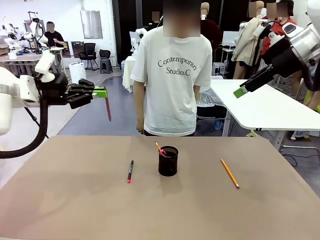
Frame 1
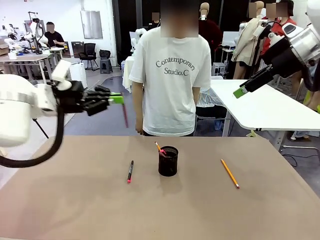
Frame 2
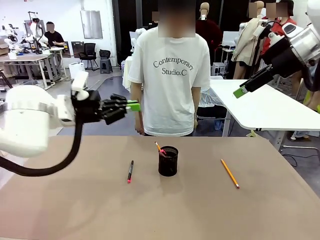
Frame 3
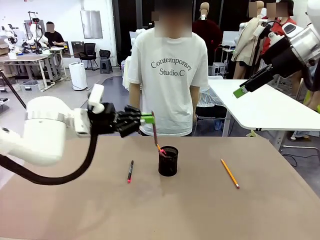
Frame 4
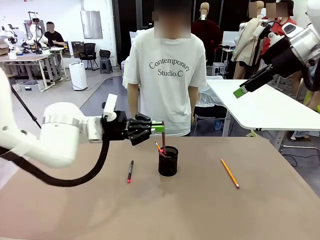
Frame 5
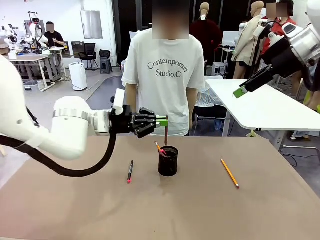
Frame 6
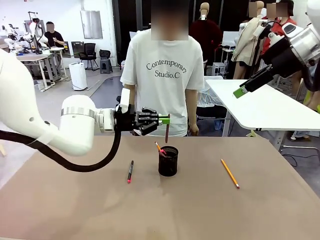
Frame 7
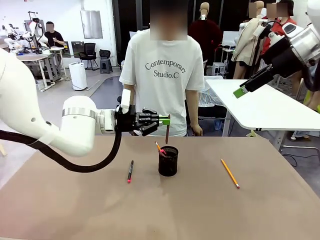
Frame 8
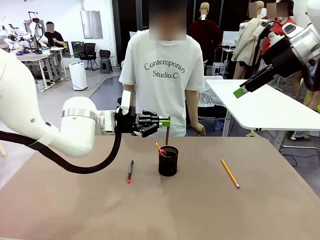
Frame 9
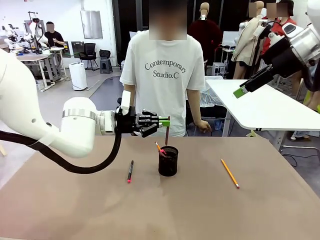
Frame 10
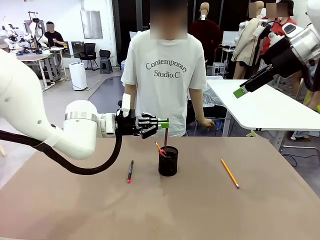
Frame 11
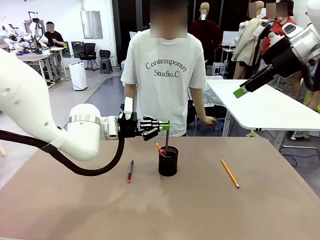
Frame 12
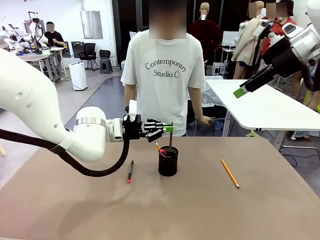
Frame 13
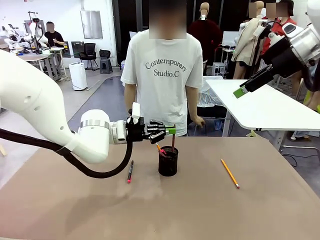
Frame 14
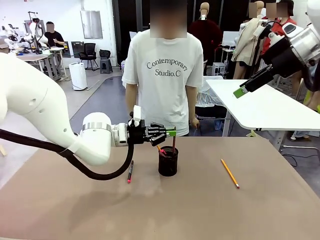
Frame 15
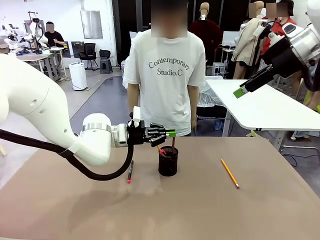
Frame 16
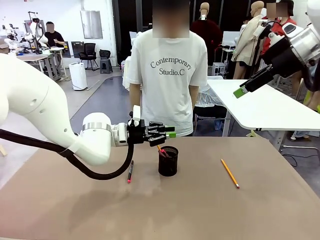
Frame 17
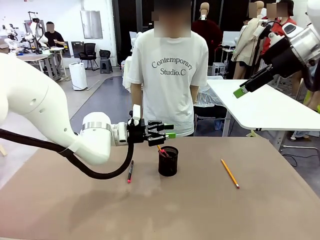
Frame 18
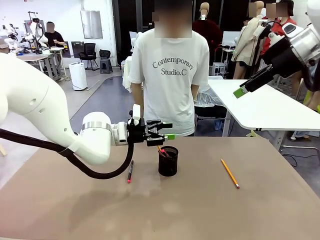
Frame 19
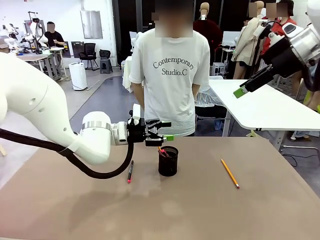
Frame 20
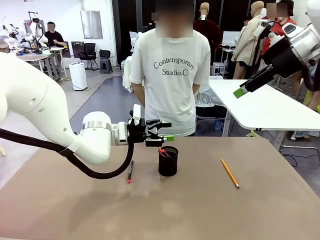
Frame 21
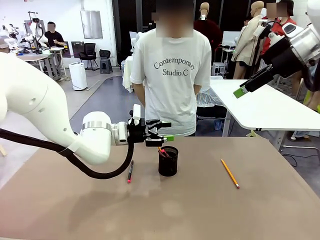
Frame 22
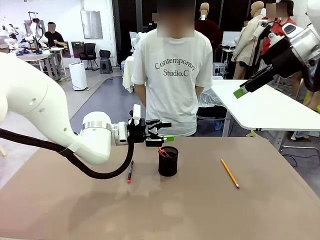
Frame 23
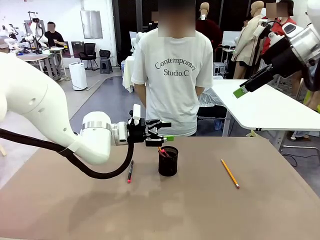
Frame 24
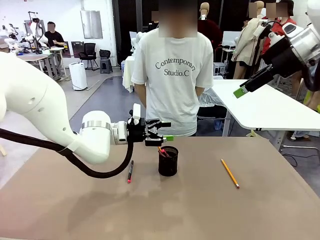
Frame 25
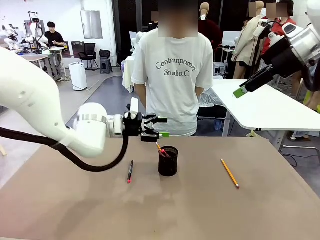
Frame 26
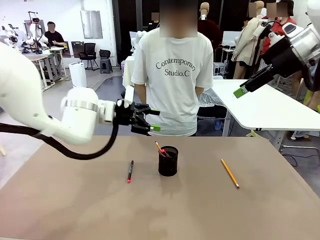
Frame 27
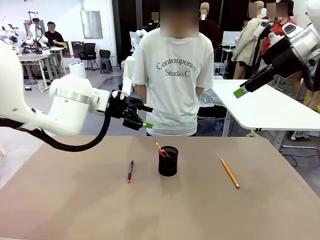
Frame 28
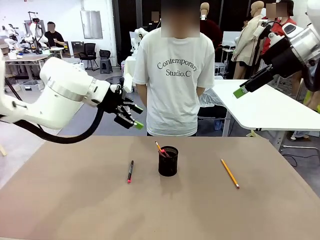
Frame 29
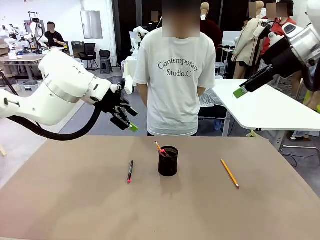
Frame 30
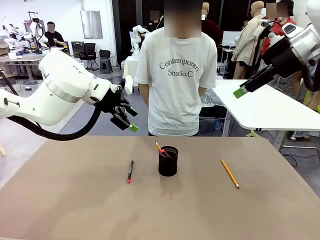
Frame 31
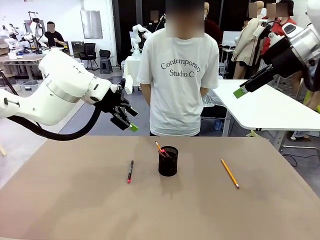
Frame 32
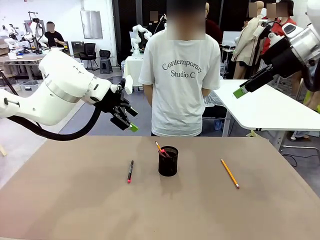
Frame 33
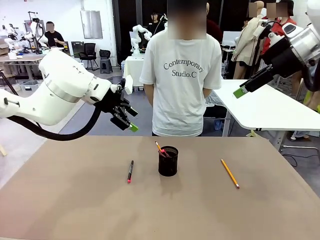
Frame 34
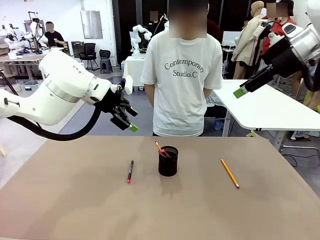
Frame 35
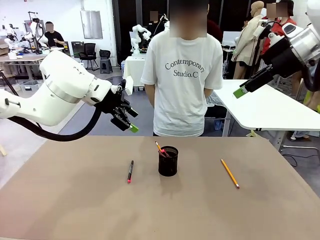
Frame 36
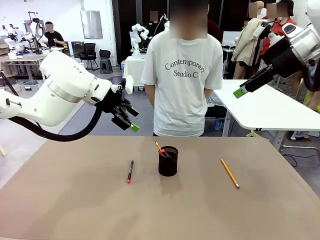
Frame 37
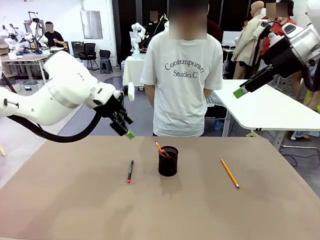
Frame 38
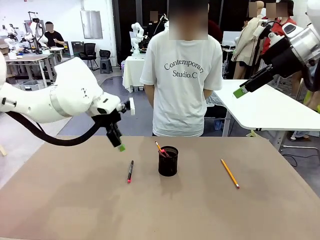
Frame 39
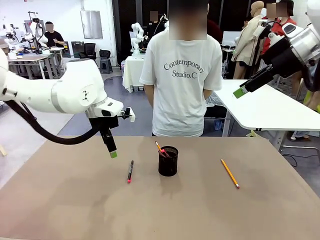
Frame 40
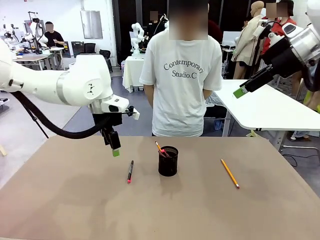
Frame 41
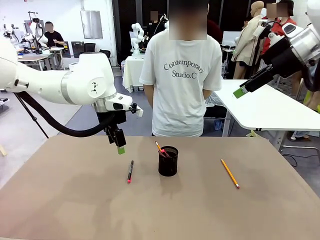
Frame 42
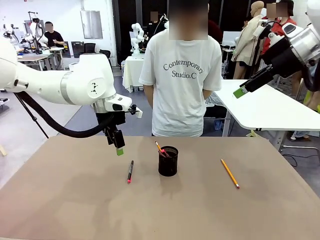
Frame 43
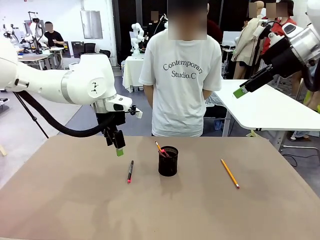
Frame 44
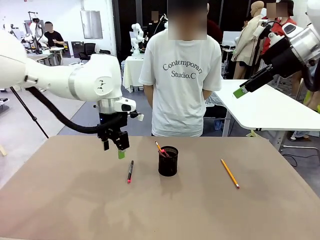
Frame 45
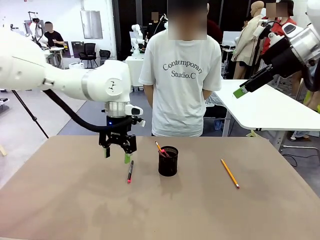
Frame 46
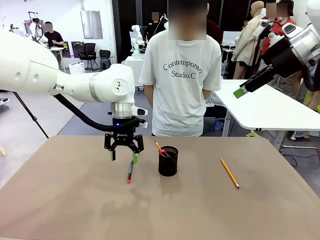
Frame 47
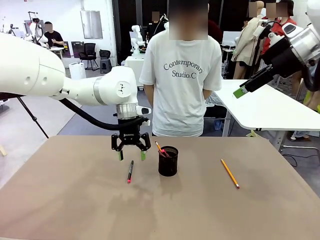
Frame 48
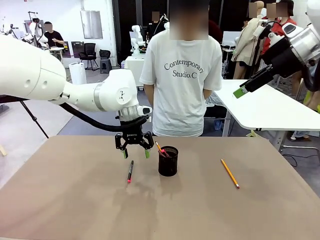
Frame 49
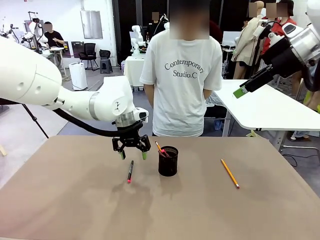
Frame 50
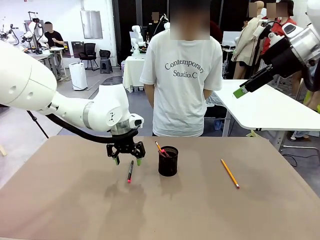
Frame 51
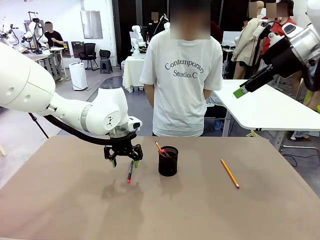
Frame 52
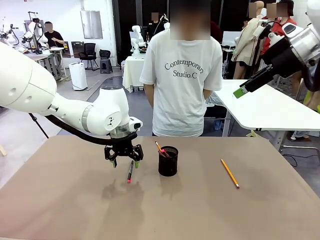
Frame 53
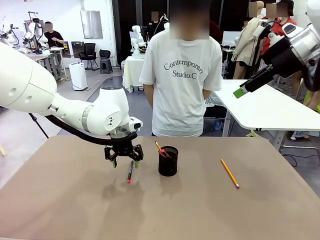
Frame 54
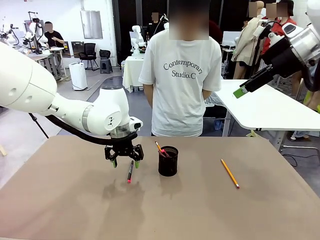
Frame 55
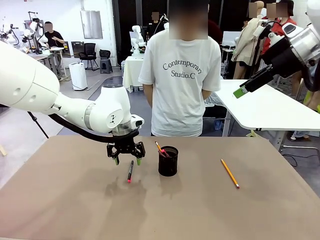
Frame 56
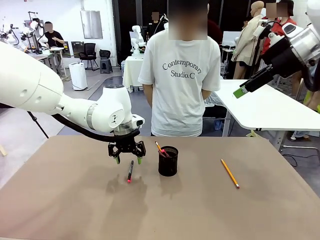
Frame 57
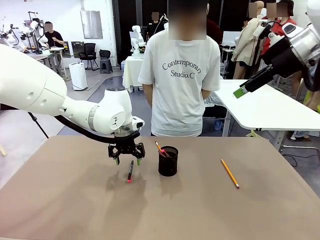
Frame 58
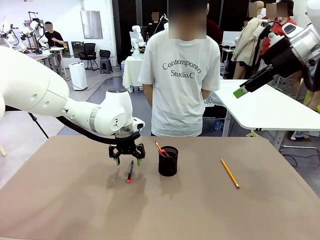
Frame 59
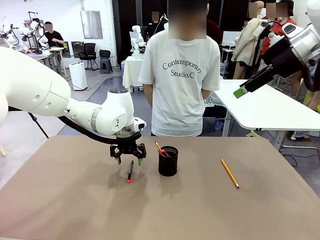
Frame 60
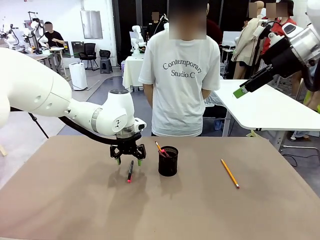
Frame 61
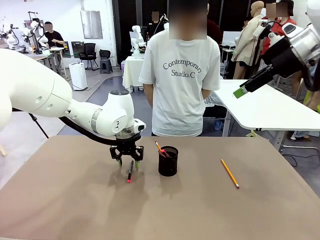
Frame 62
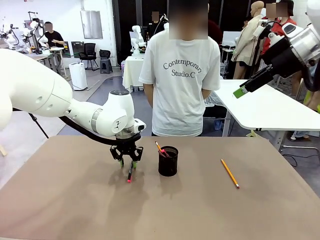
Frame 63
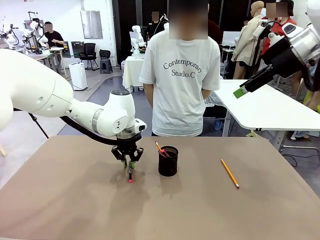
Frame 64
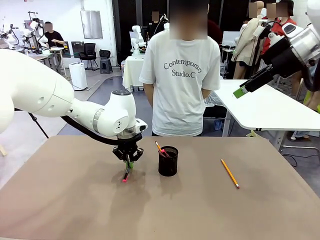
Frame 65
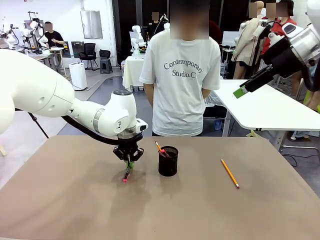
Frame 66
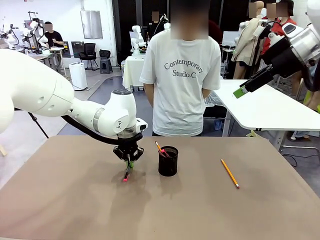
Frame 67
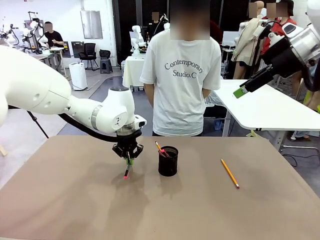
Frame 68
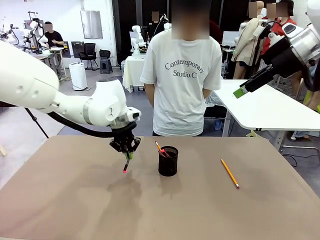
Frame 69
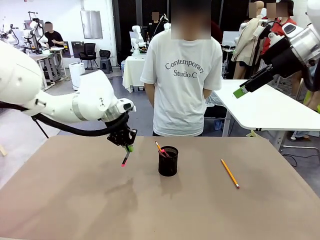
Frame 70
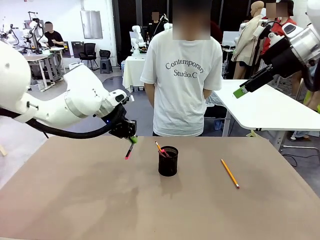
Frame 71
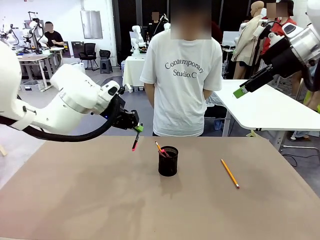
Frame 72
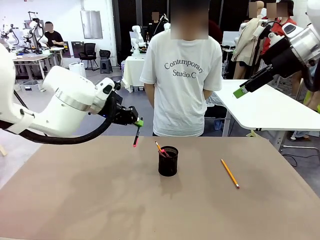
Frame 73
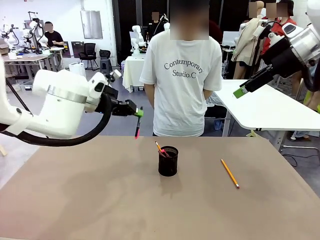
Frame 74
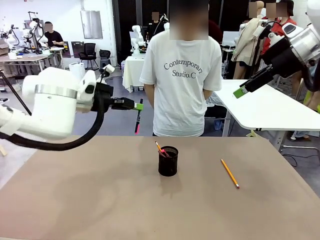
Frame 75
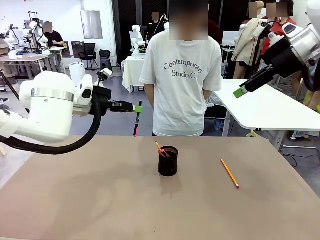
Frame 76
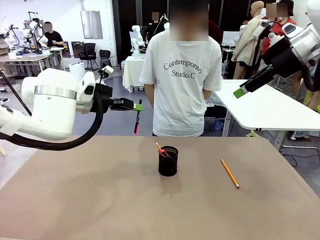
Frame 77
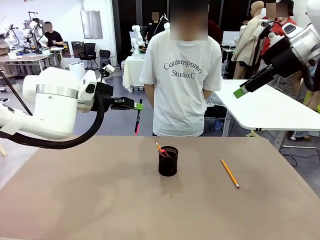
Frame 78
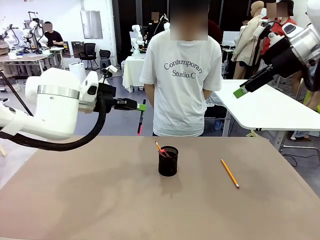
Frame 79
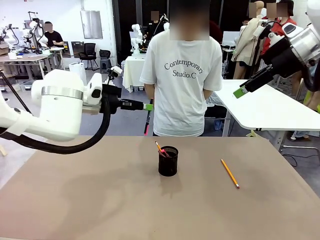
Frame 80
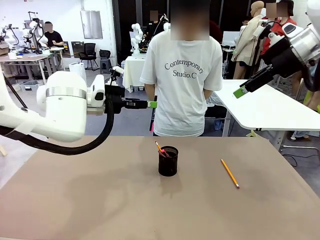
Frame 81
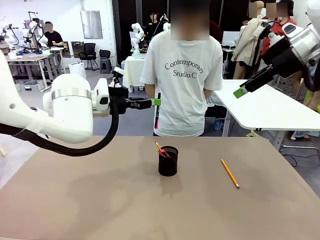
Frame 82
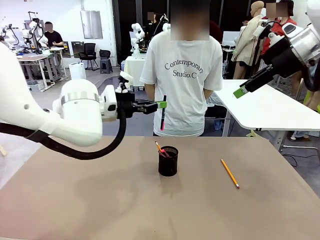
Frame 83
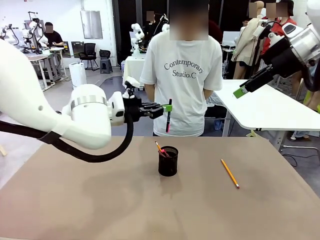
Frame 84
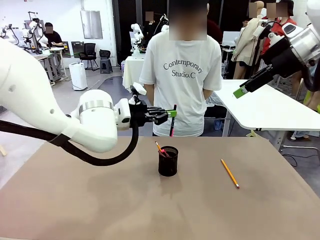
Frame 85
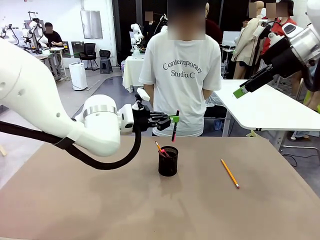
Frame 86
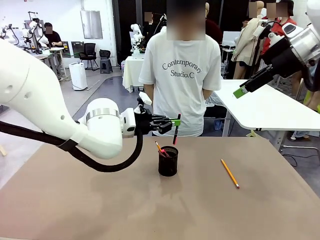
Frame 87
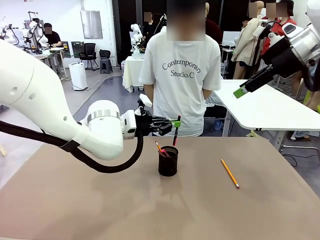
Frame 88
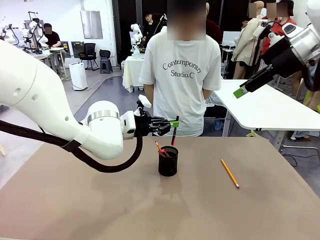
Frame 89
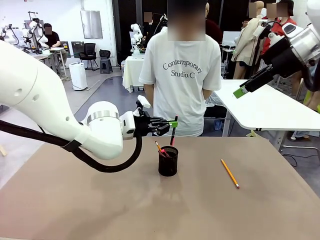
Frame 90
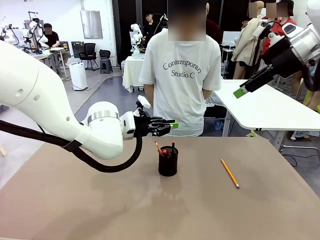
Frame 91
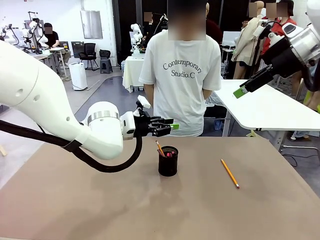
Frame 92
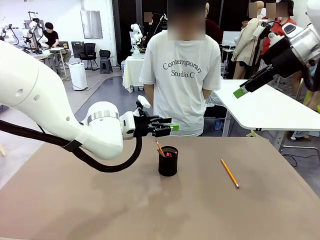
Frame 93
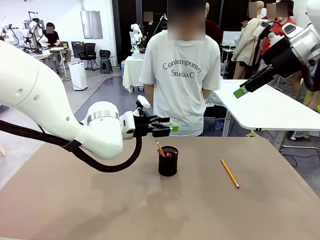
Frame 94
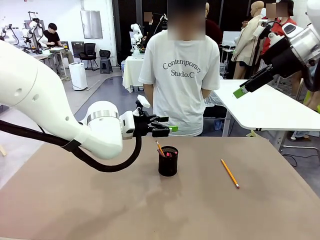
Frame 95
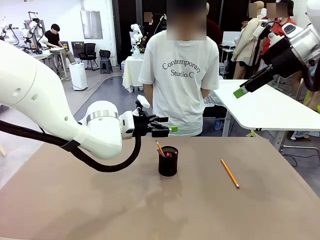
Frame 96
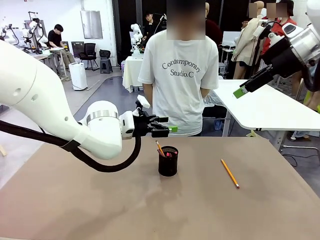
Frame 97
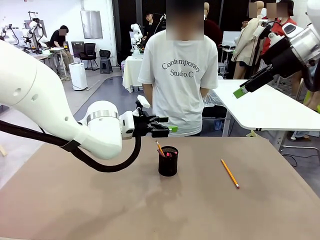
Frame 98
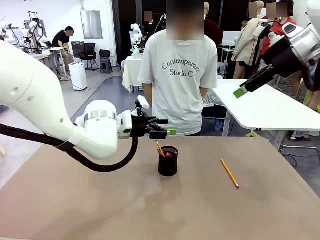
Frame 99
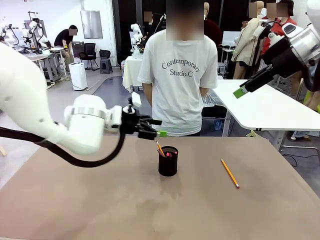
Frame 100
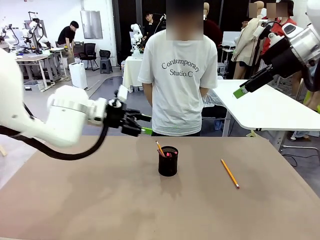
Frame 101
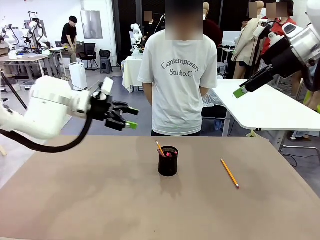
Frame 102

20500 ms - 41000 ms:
Task: Place the pens into the pen holder.
Robot: Pick up a writing instrument from the table and place it into the Pen holder.
